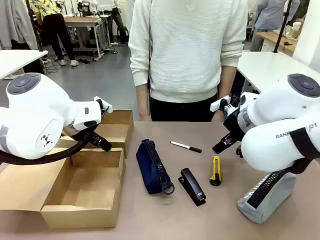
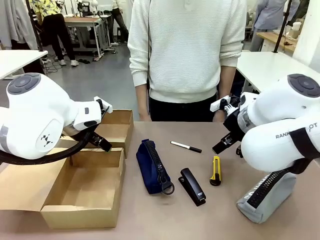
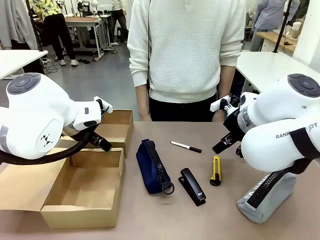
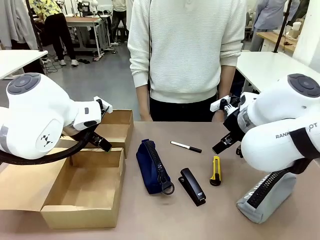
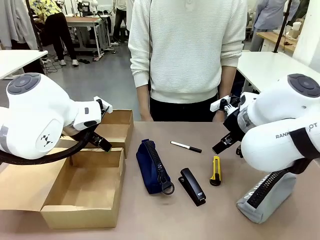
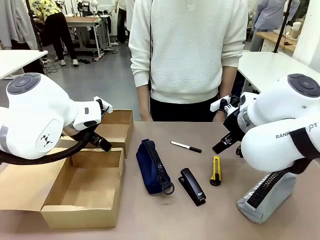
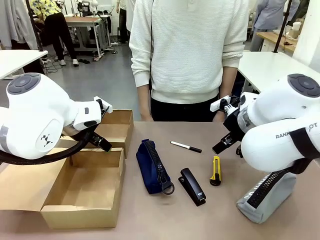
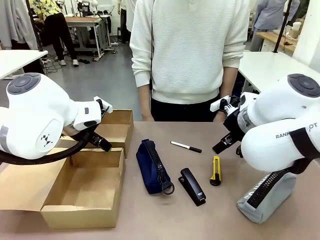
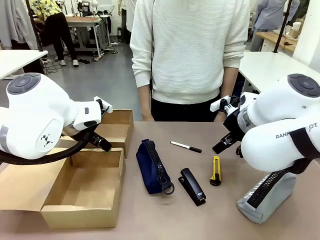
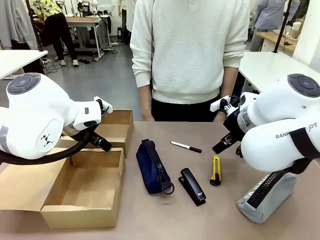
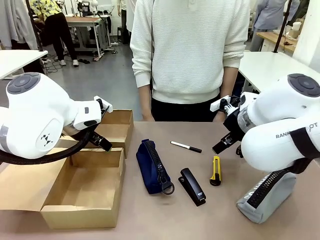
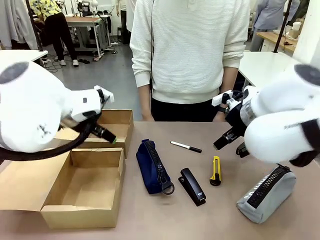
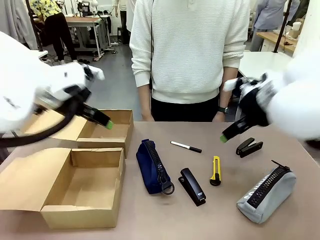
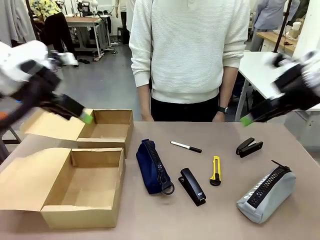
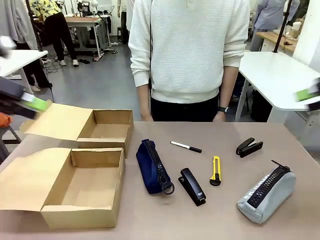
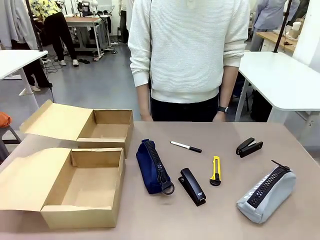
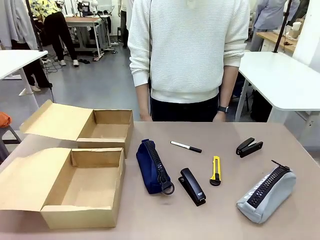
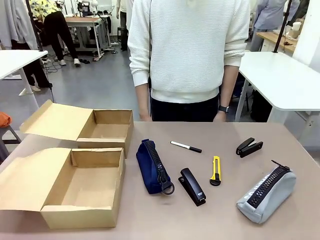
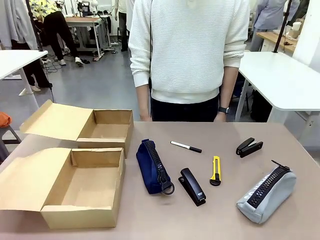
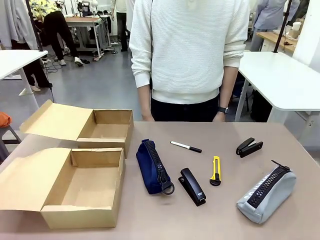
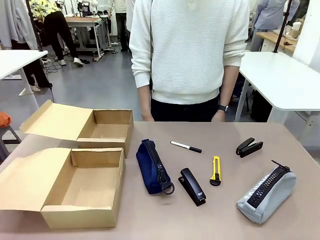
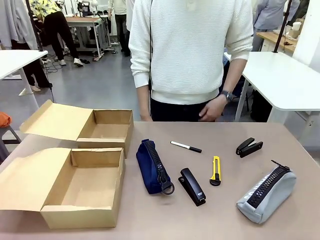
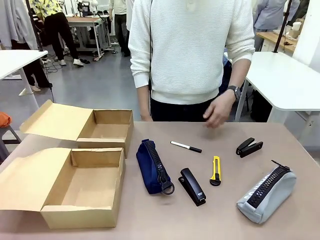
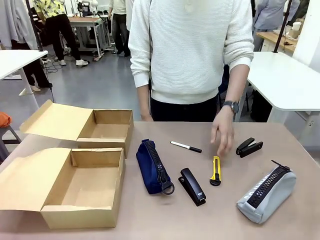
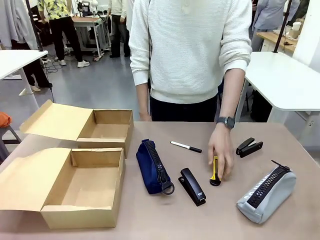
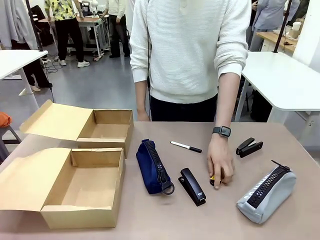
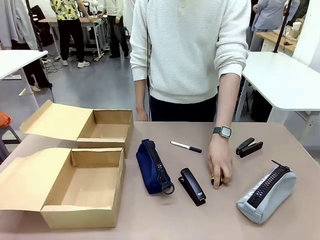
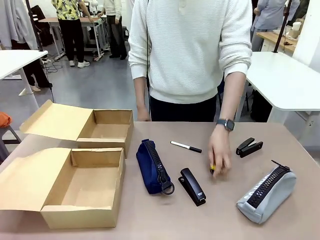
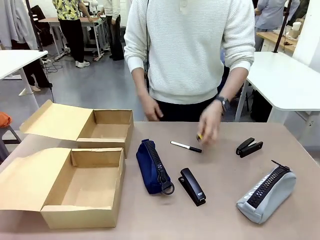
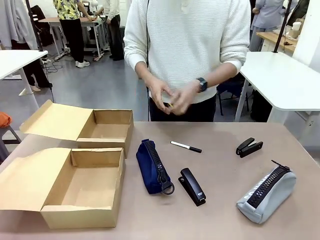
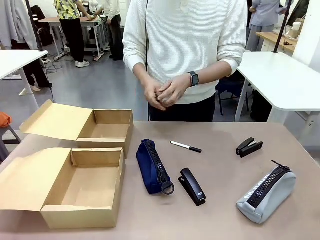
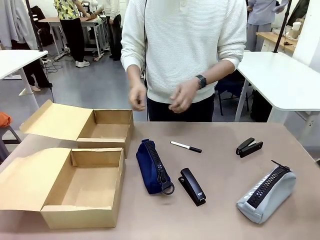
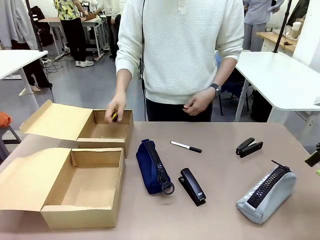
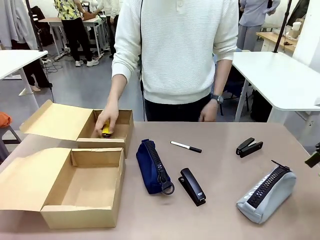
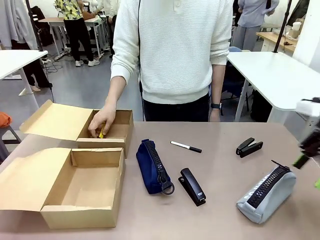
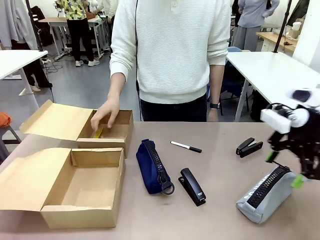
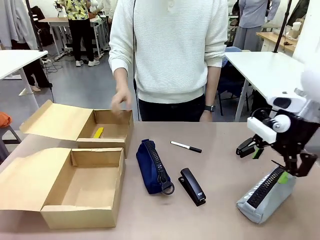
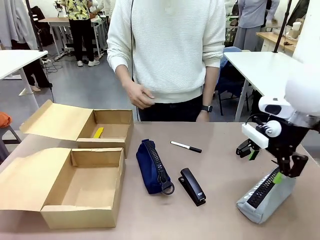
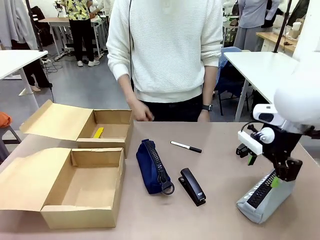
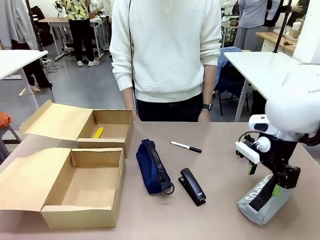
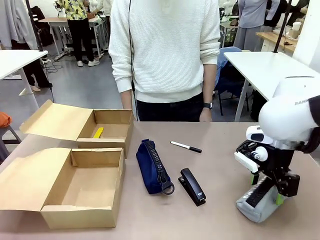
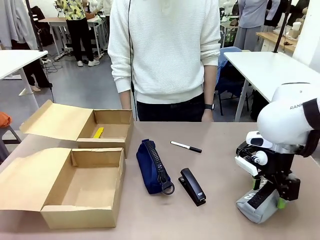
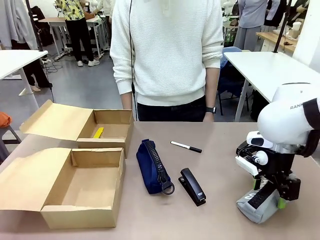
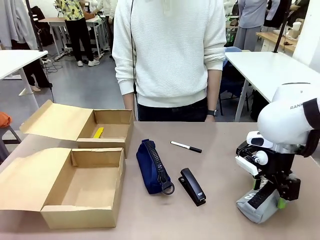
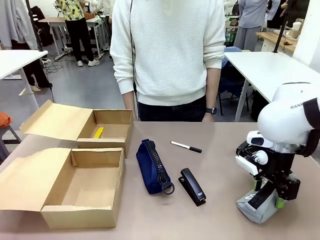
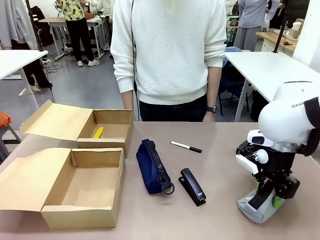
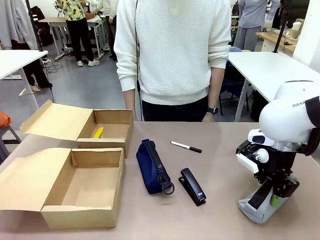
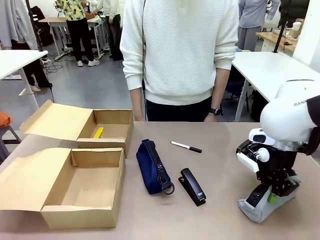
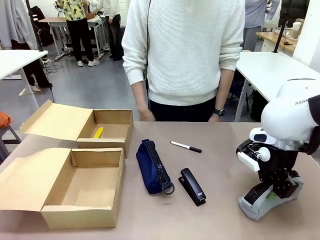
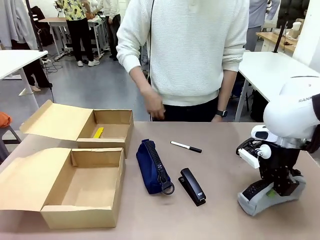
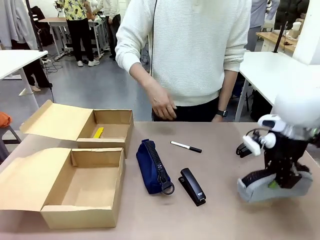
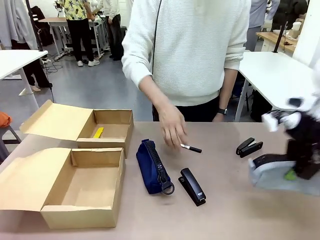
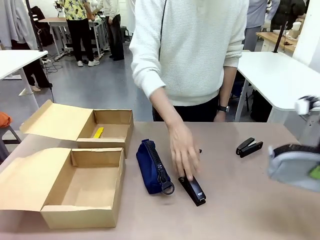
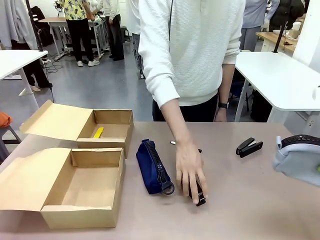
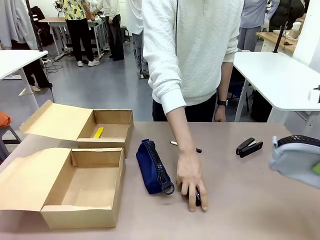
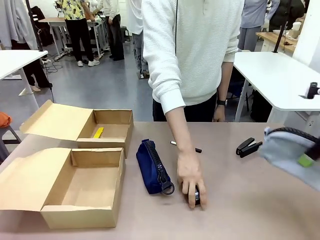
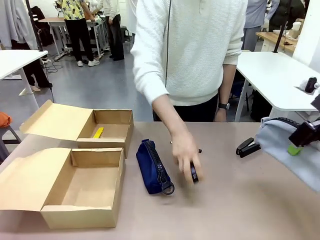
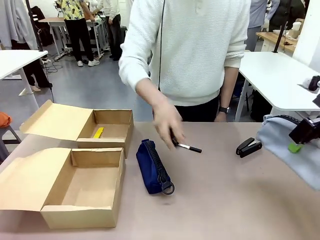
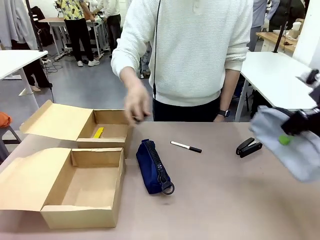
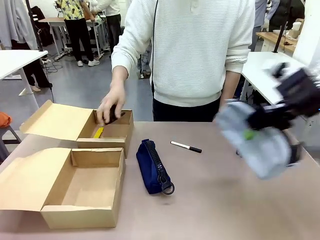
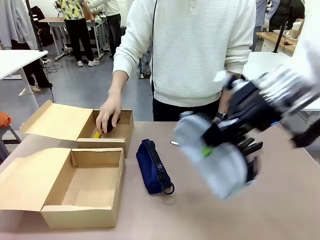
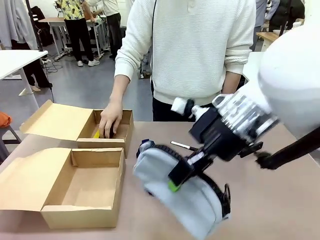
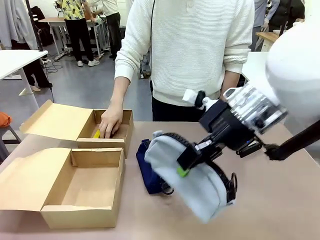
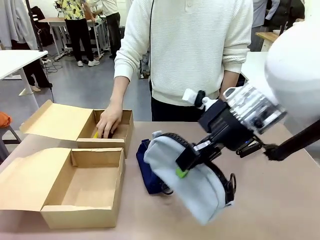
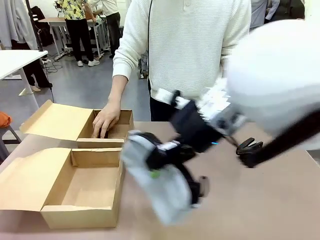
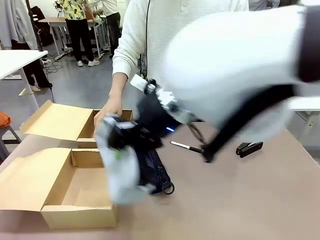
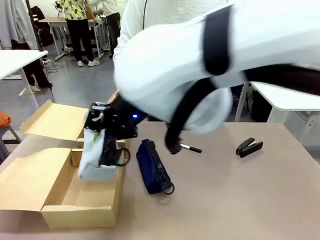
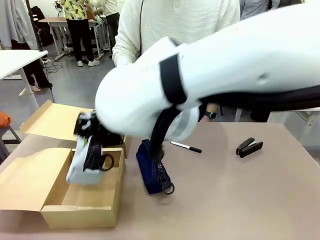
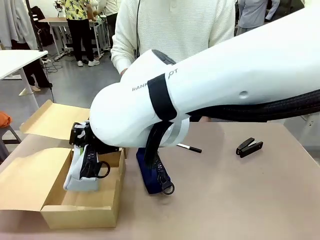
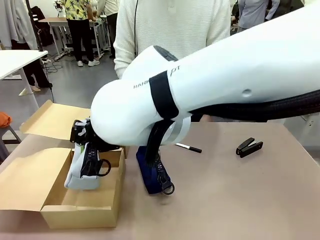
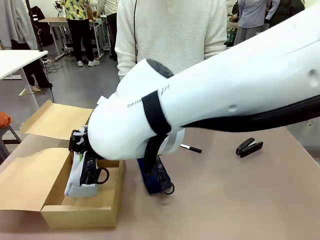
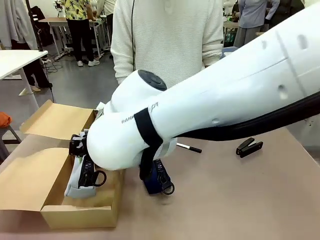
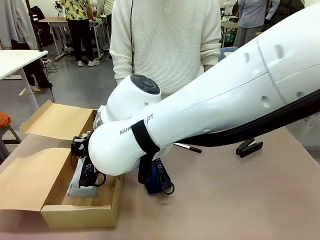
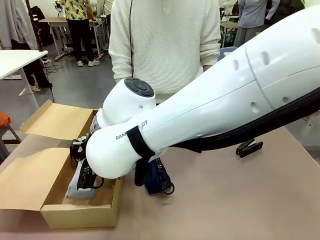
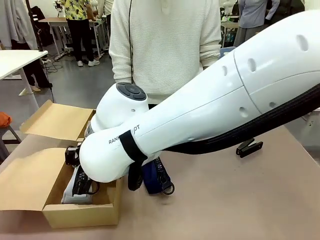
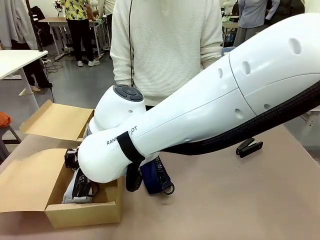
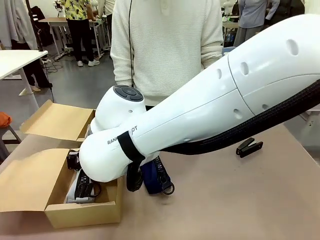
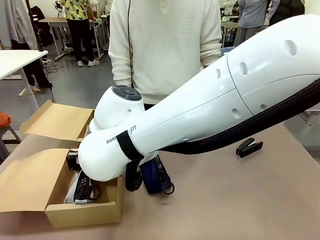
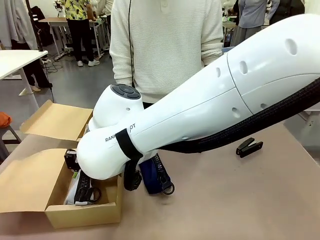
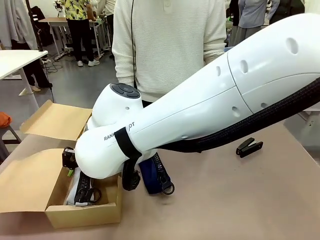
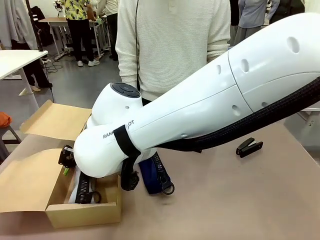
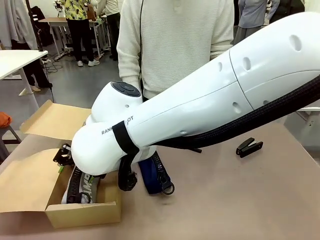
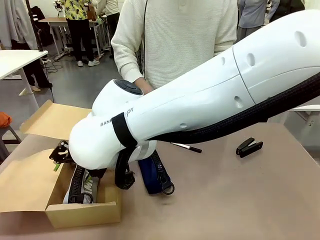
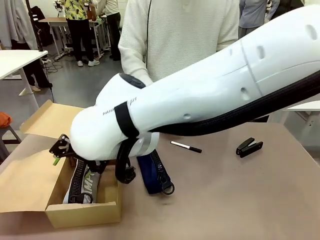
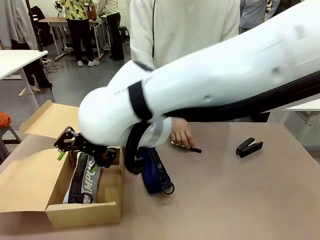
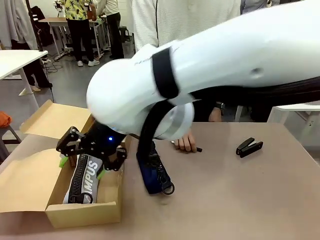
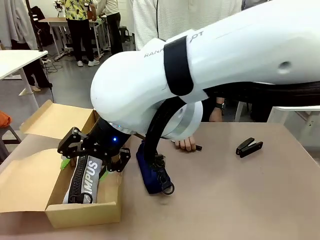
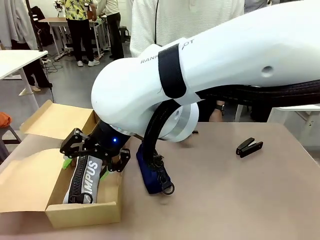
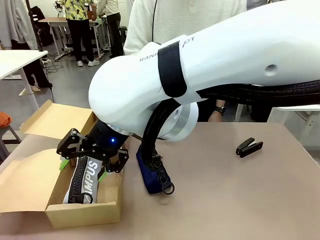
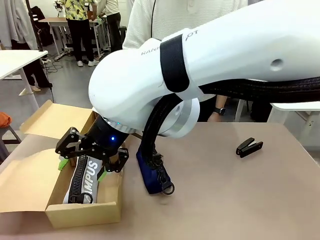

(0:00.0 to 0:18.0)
Task: Place items inside the box.
Robot: Pick up a Pencil pouch or Stapler and place it inside the Mailer Box closest to the robot.
Person: Pick up an object on the table and put it in the box.
